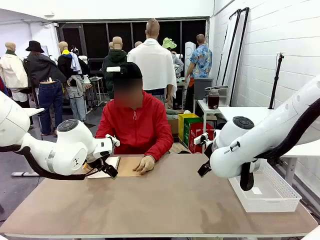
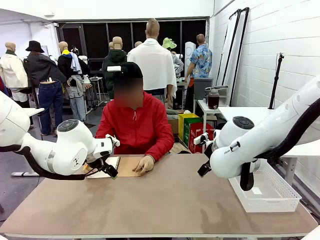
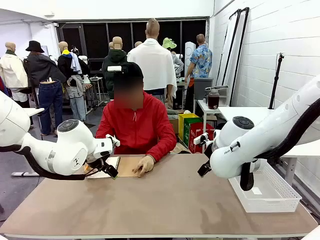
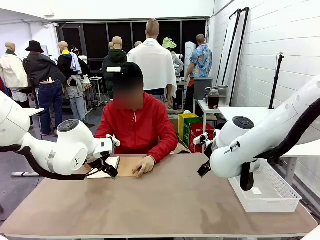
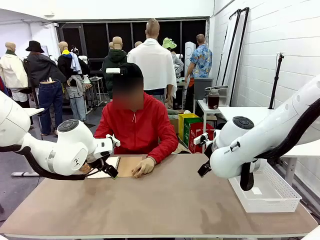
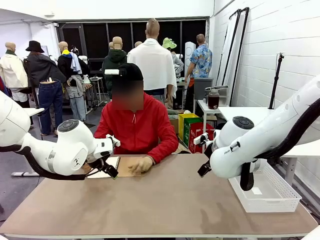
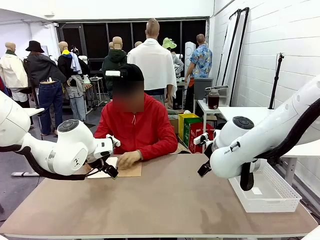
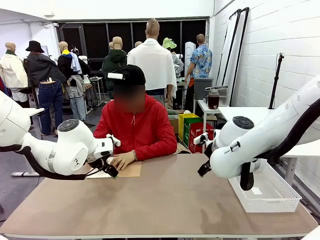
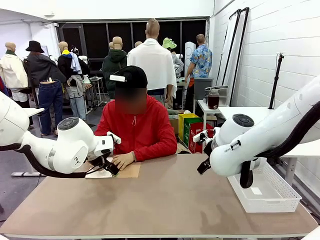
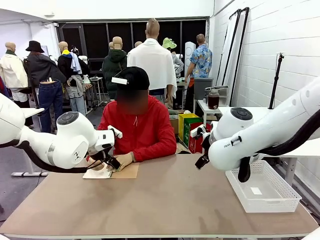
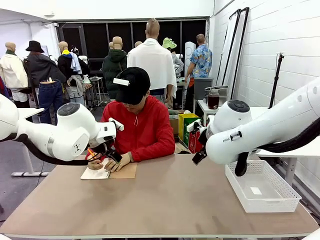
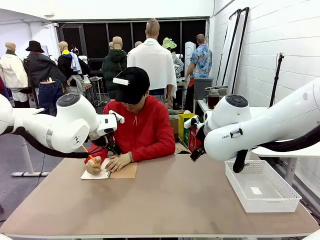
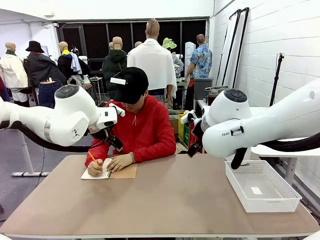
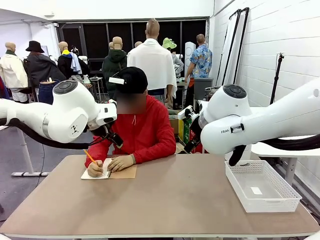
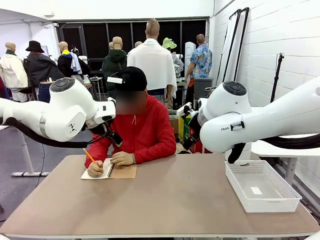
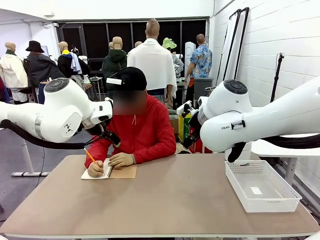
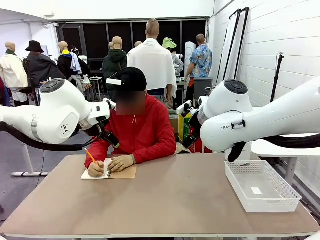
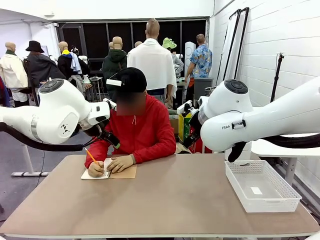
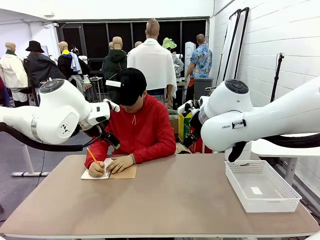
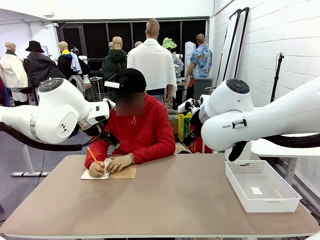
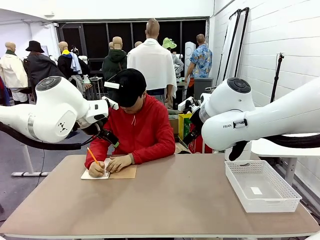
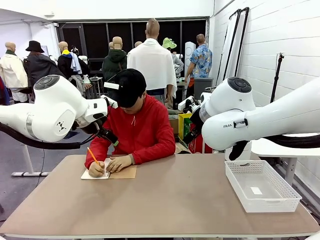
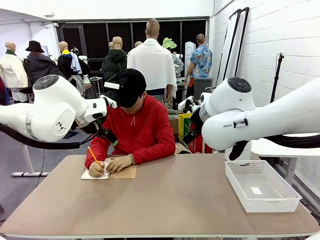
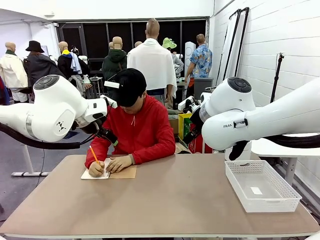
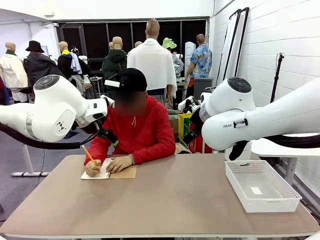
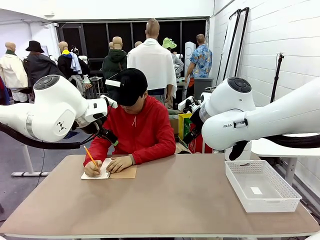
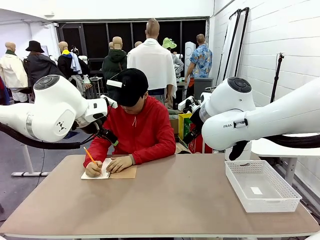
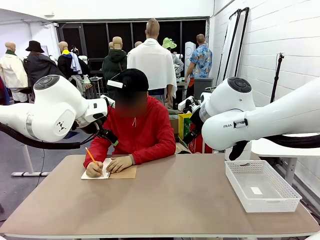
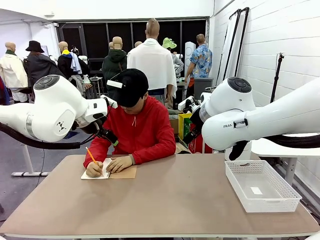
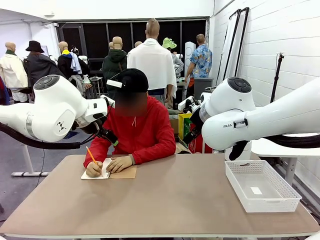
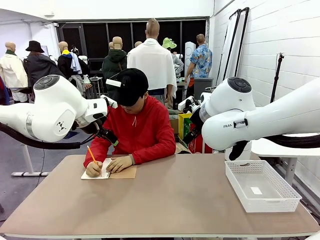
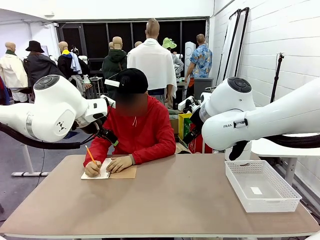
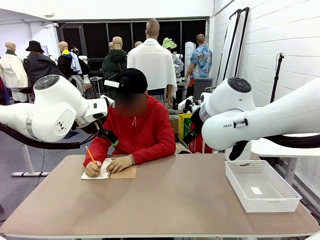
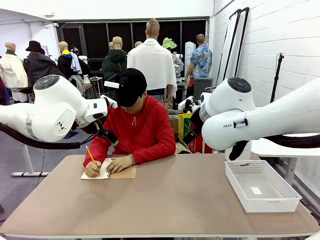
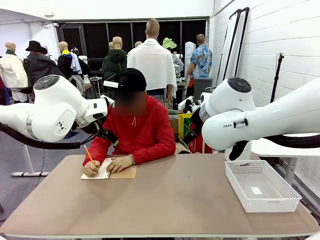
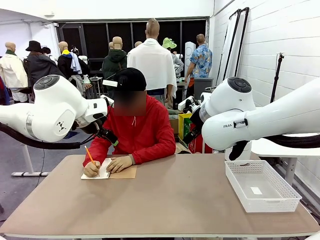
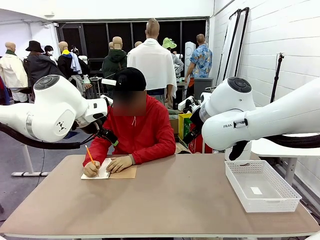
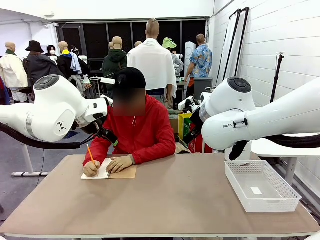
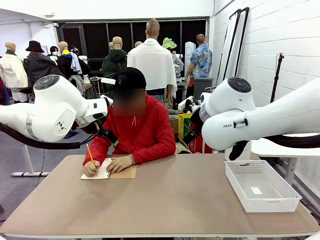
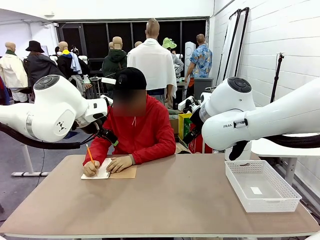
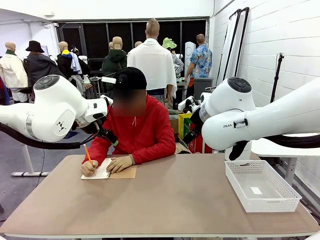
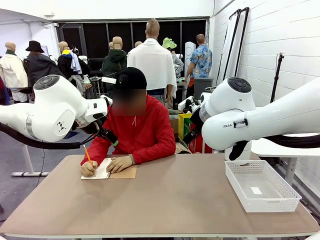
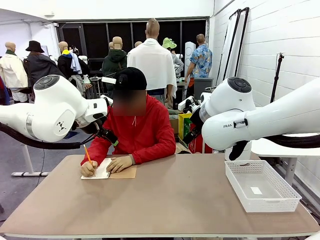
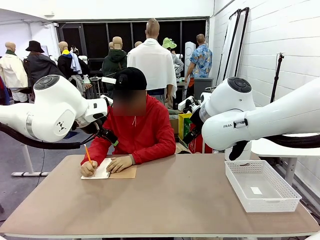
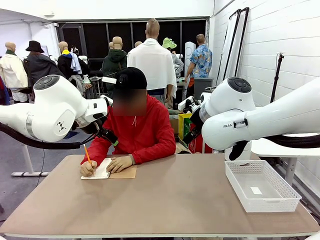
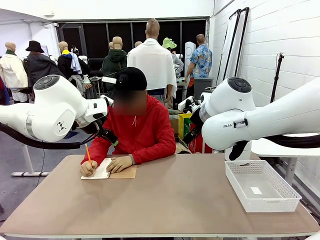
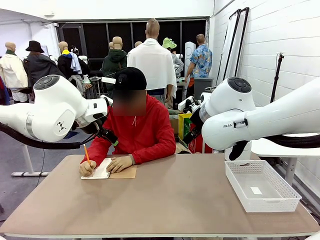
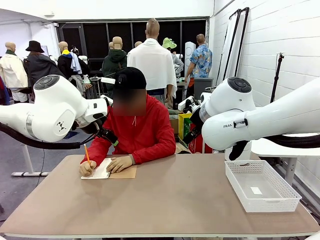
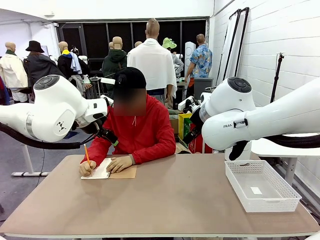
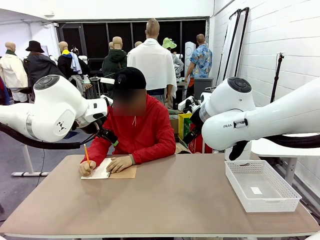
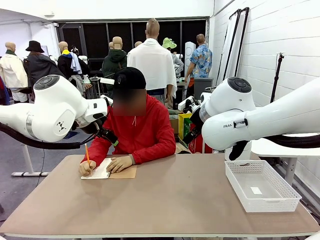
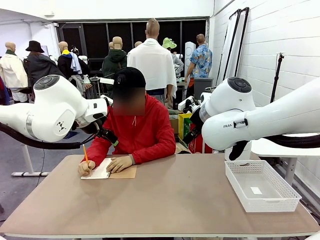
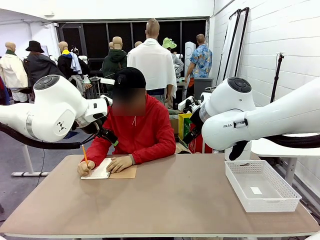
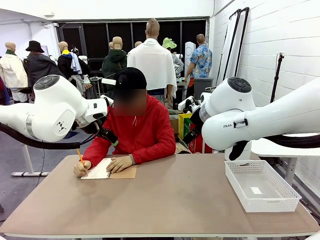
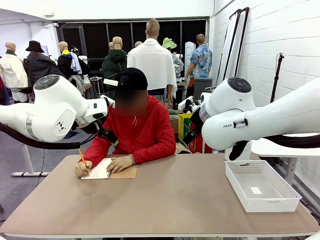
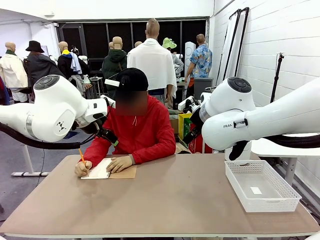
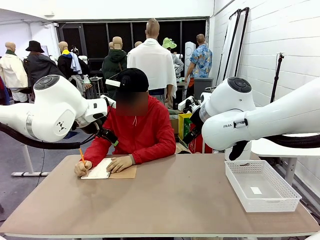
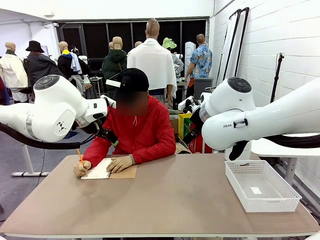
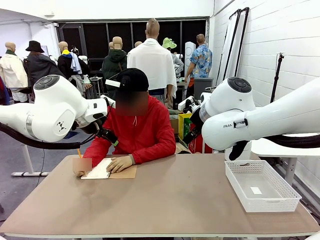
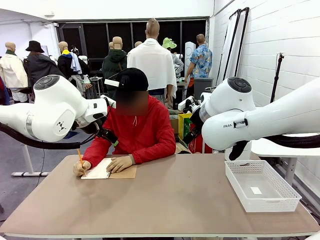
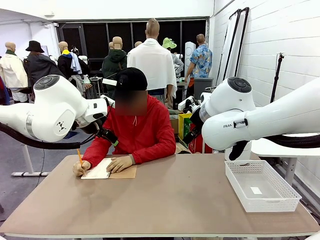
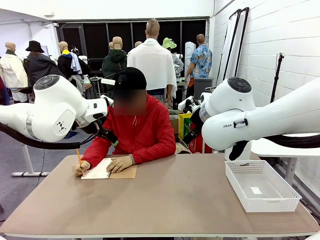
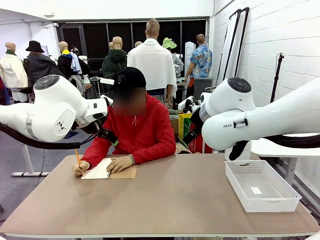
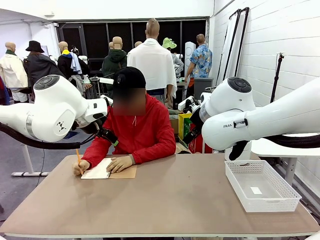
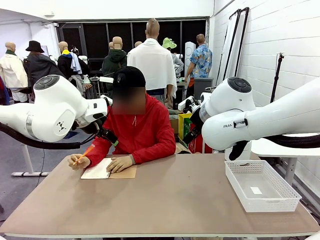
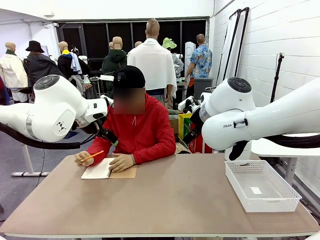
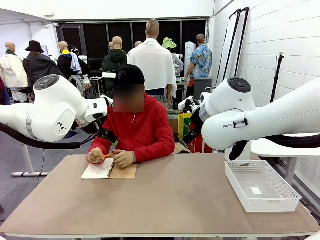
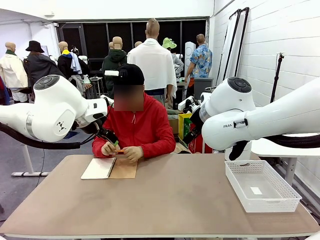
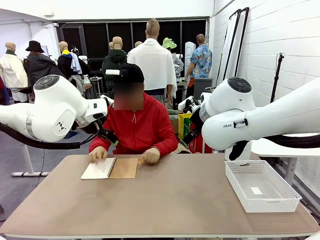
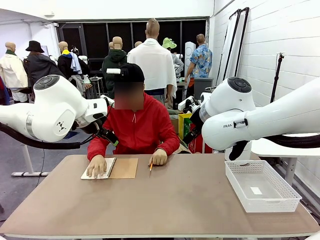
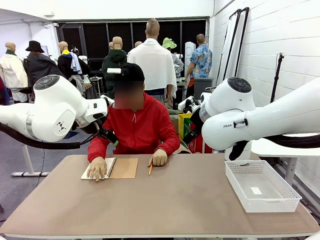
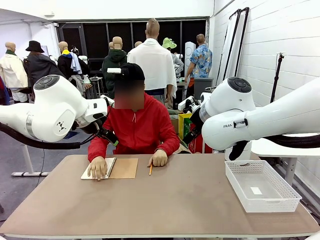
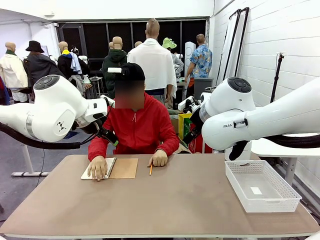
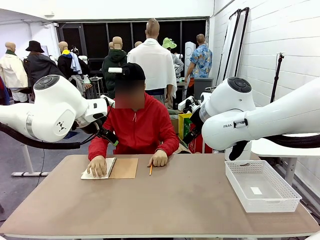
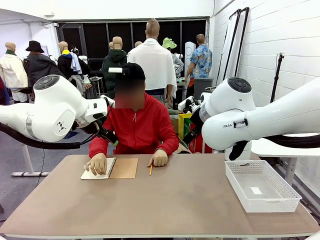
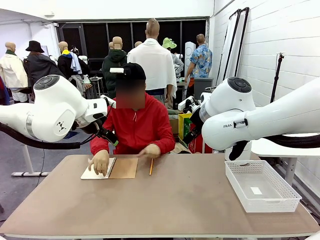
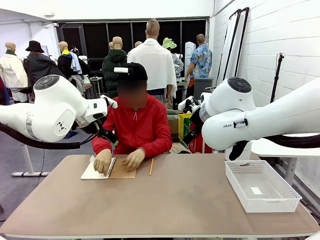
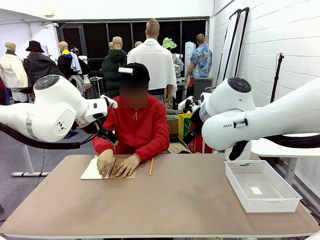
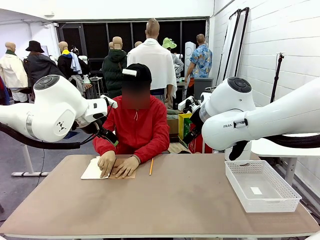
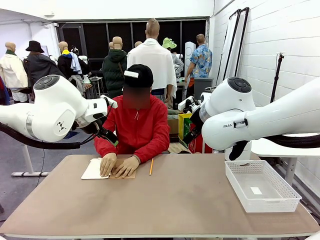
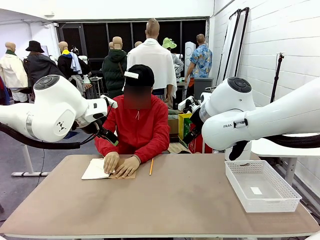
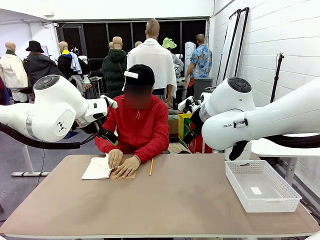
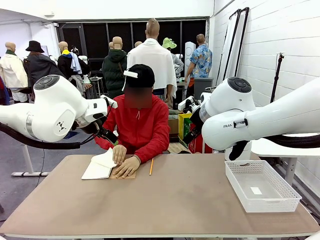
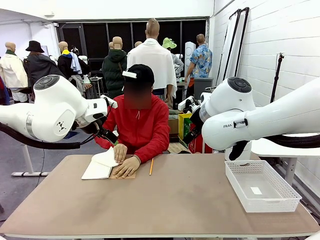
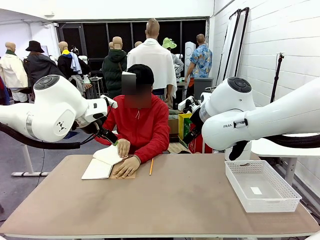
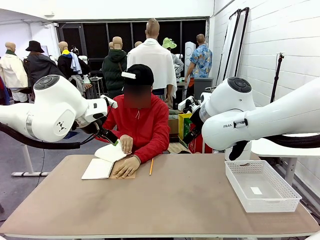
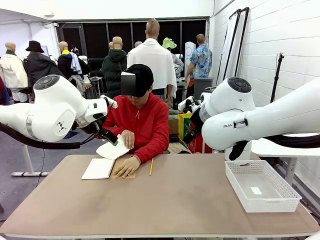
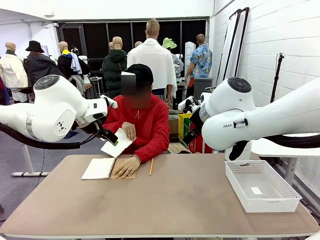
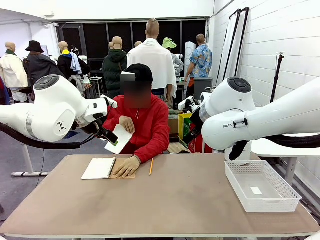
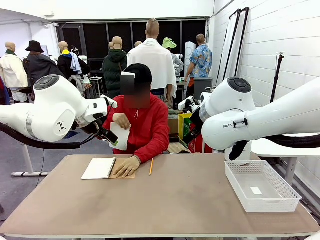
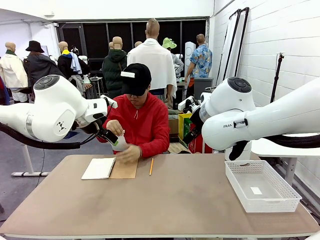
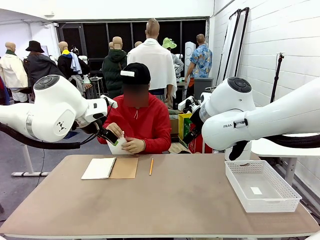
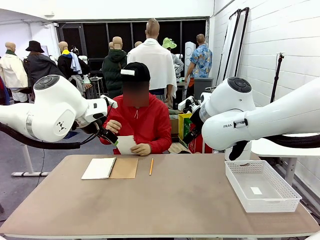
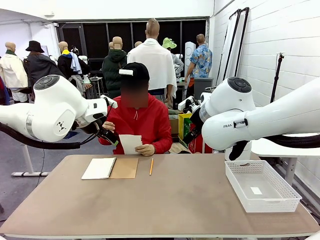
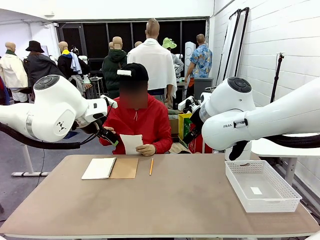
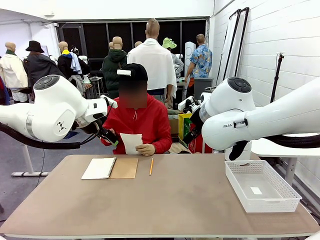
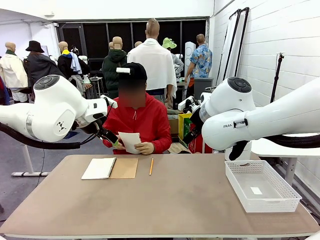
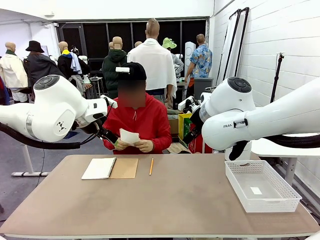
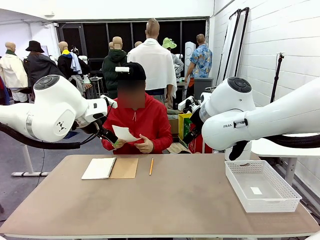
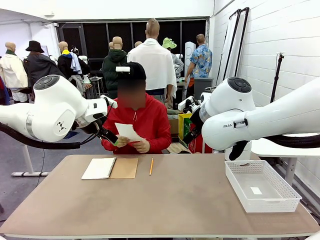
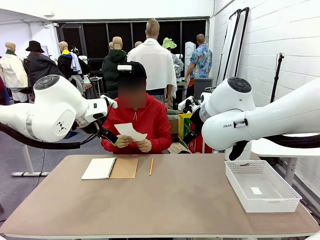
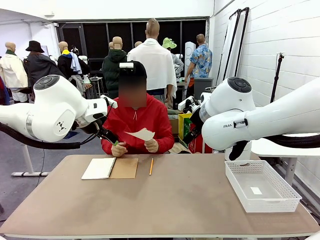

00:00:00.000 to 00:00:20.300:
Task: Sort the paper based on its condition.
Robot: If a person hands you a paper, place it in the Organizing basket , and if it's crumpled, put it in the Trash can.
Person: Tear out a page from the spiral notebook. Hand the torn page to the robot or crumple it and throw it to the center of the table.
